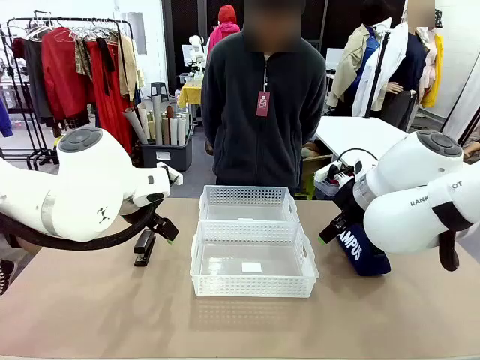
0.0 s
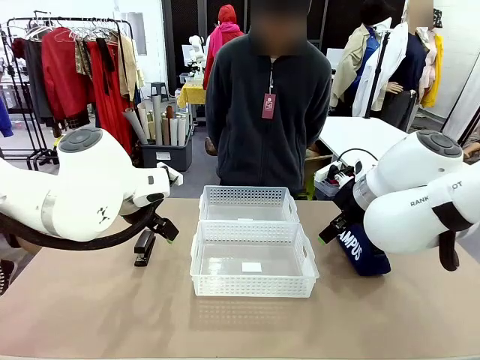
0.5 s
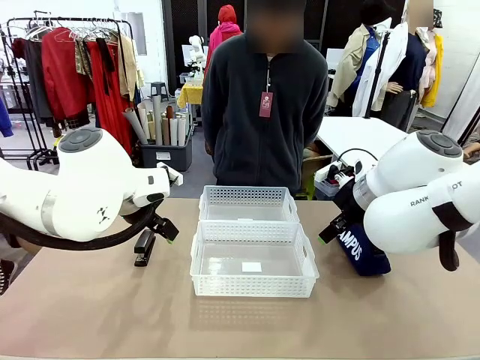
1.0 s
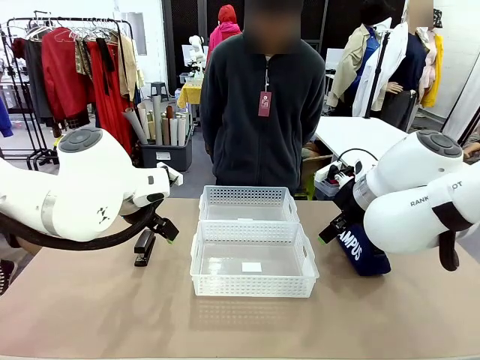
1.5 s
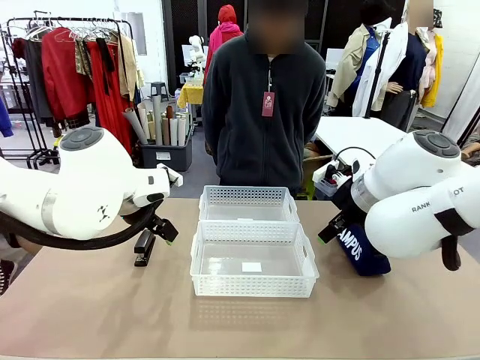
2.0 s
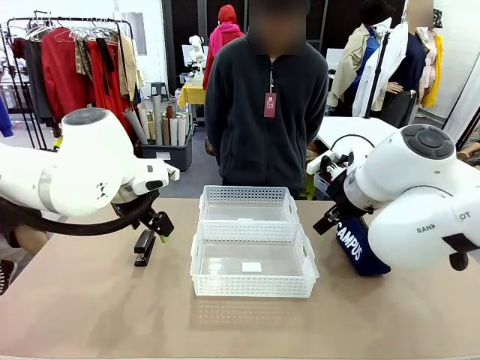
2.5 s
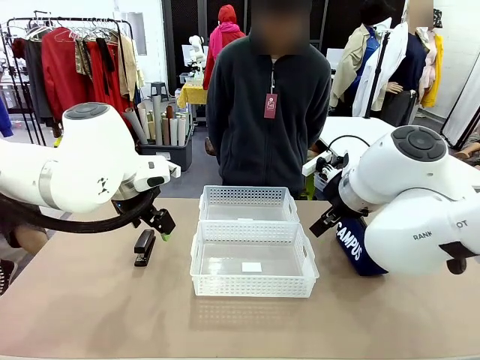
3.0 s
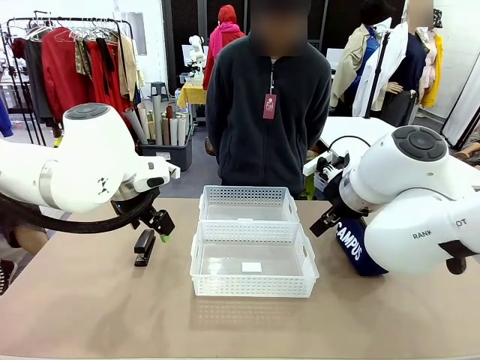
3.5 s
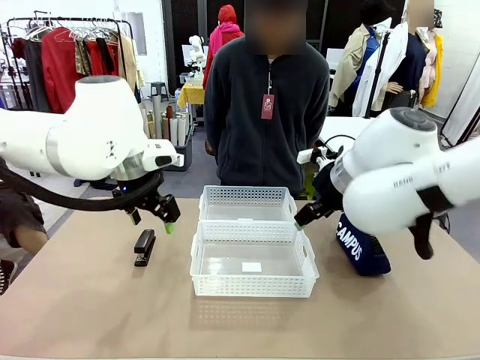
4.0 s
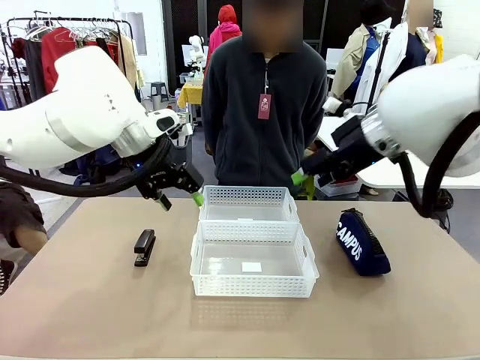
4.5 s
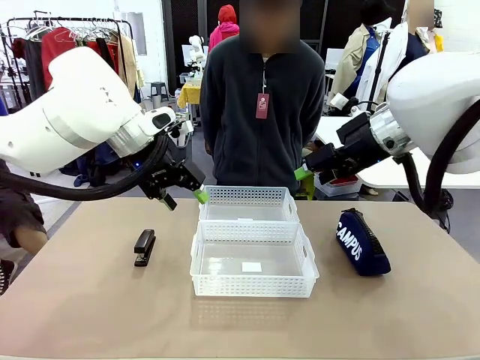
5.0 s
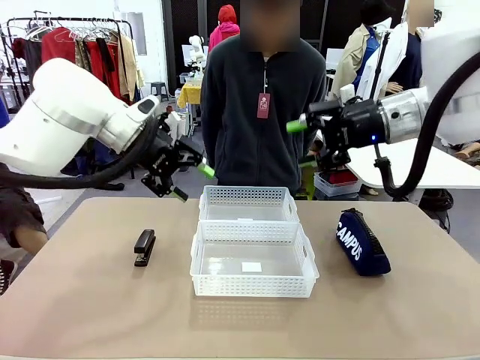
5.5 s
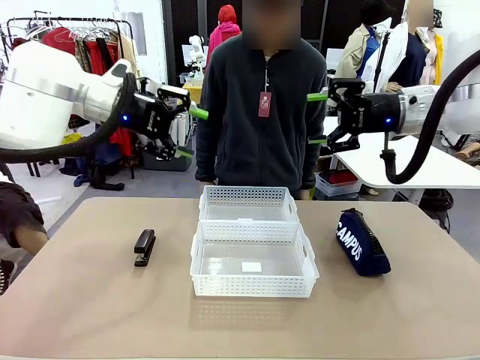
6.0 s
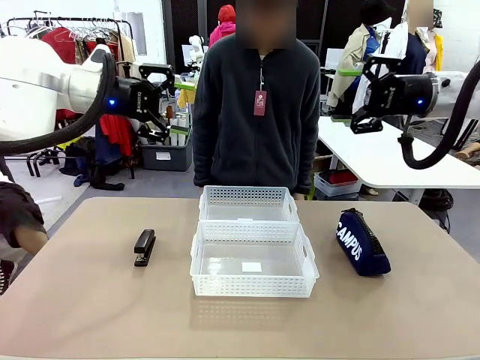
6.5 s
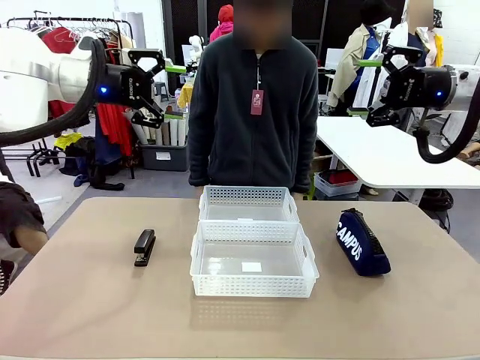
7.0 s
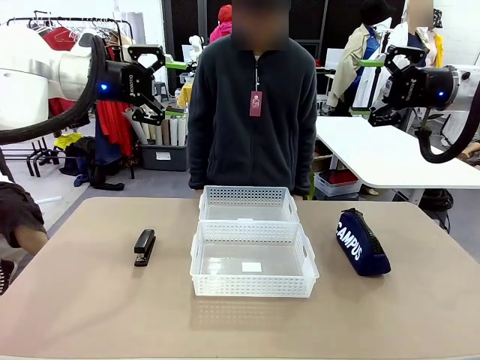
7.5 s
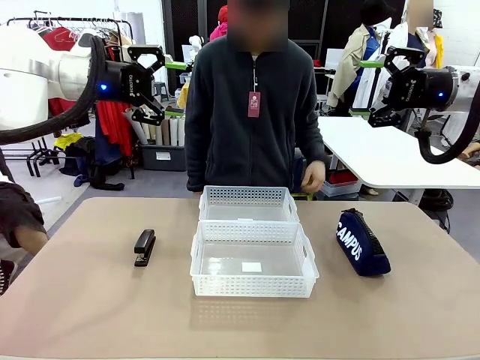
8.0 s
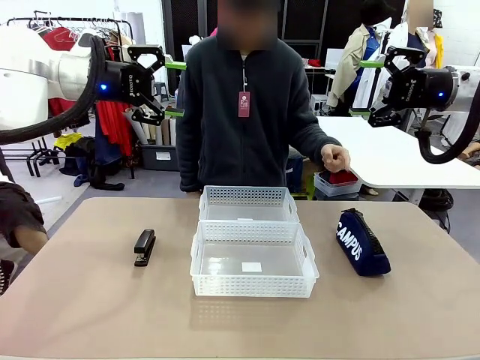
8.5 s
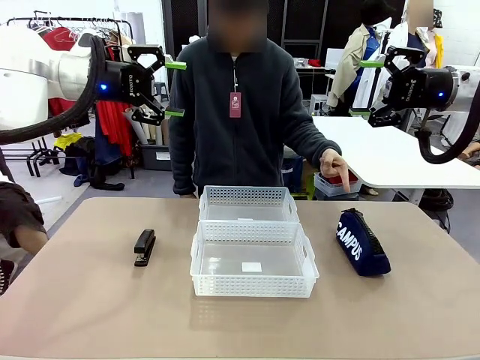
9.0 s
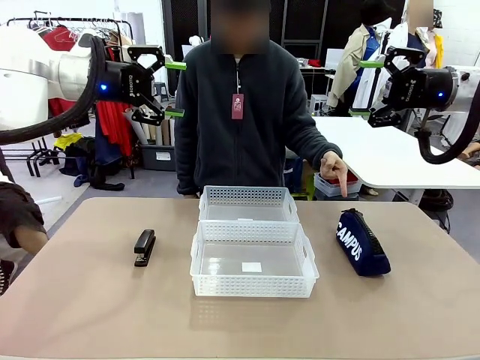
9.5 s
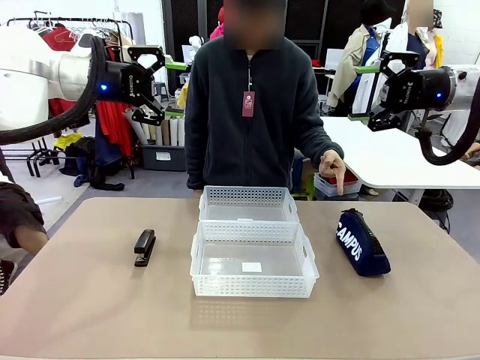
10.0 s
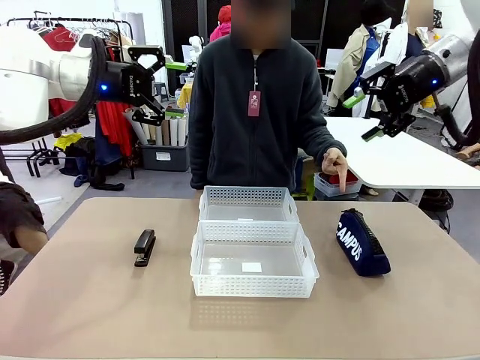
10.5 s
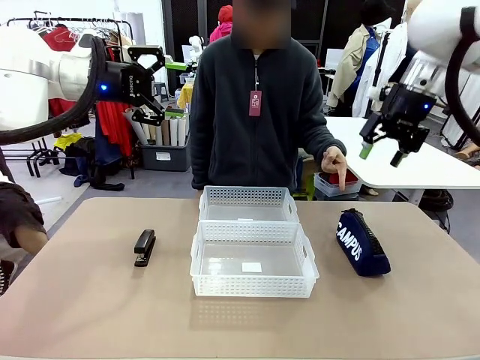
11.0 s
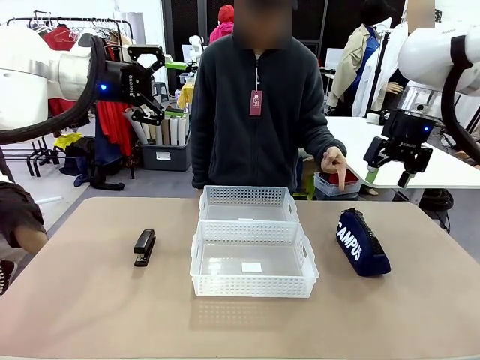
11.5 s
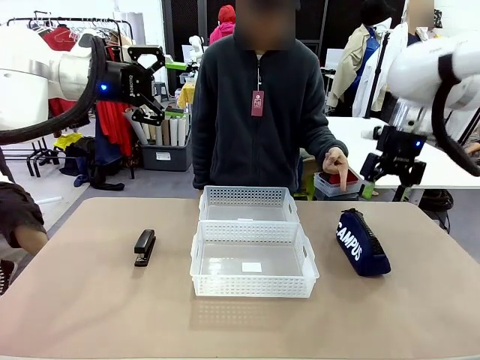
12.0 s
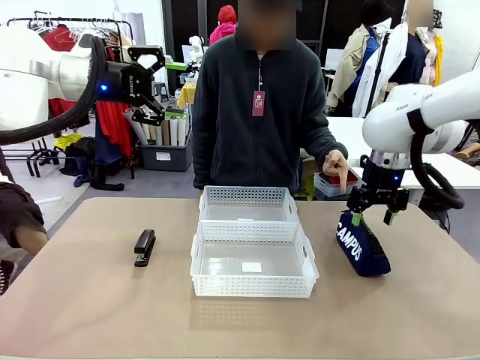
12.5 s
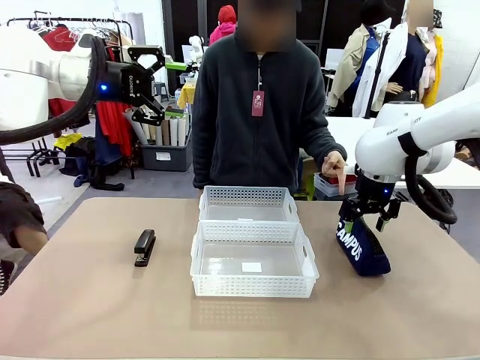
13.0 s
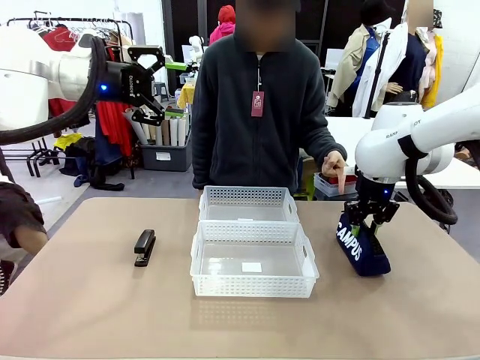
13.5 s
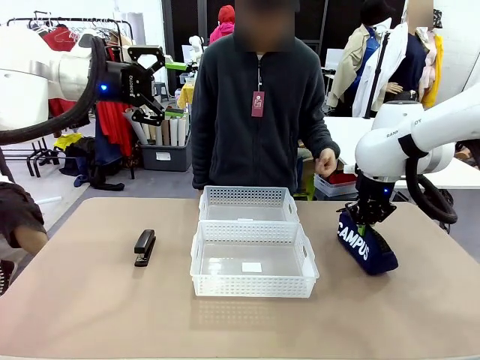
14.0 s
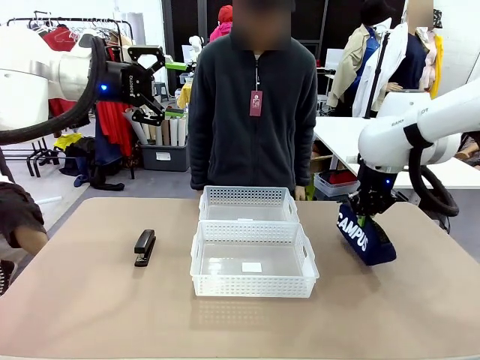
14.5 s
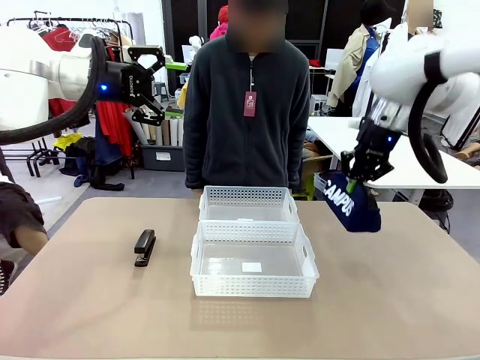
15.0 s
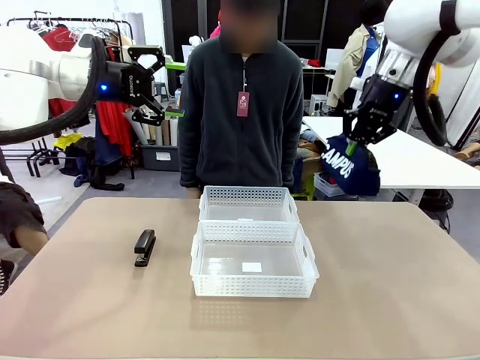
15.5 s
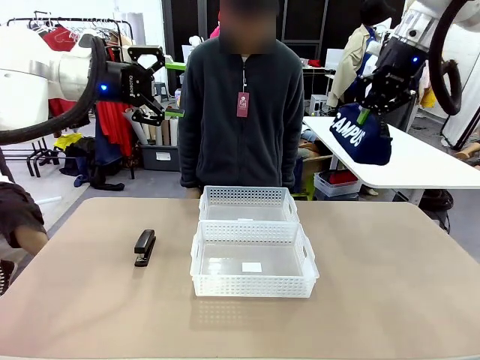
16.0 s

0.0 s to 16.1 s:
Task: Distribute items into two baskets.
Robot: Pick up the Pencil pouch that the person points to.
Person: Points to the pencil case. Points between the two organizing baskets and instructs the robot to move the pencil case.

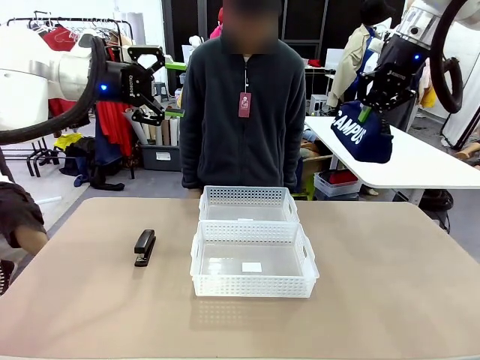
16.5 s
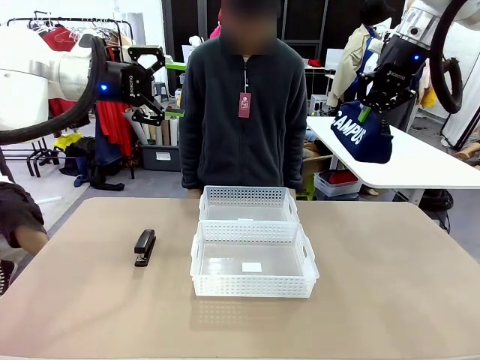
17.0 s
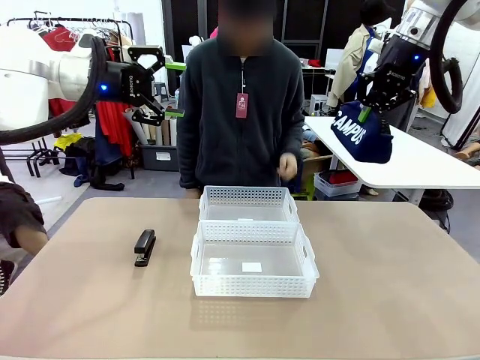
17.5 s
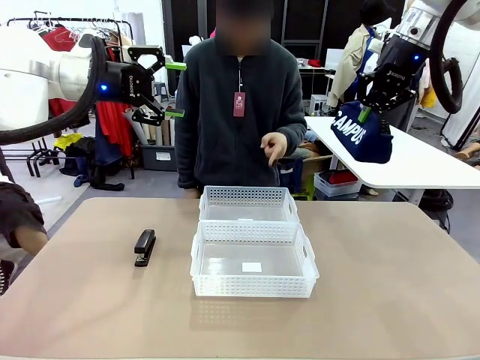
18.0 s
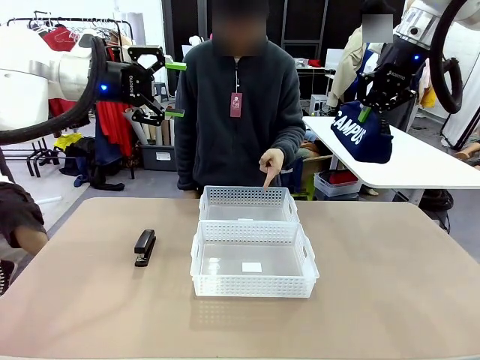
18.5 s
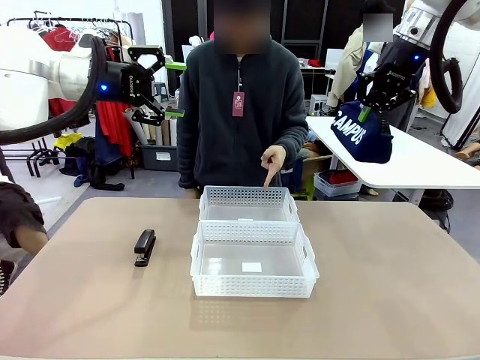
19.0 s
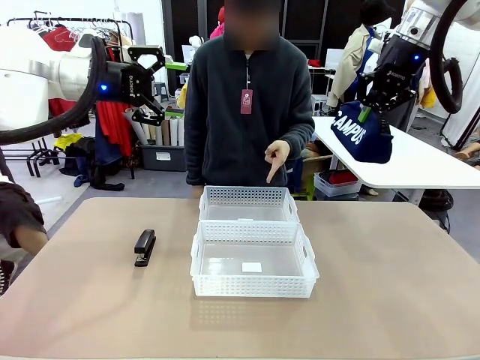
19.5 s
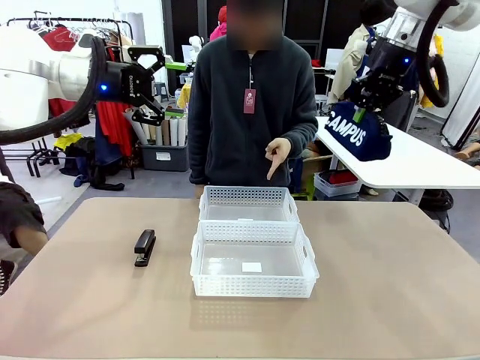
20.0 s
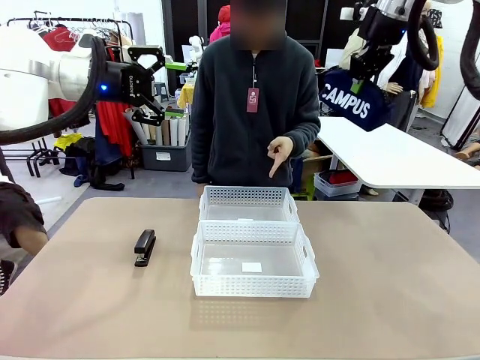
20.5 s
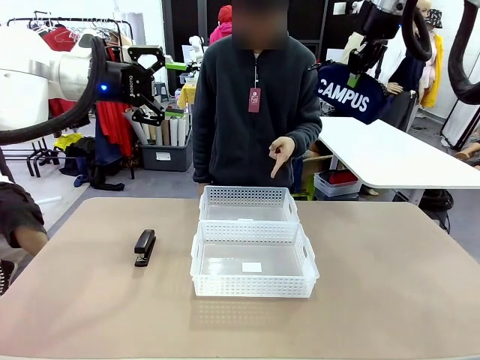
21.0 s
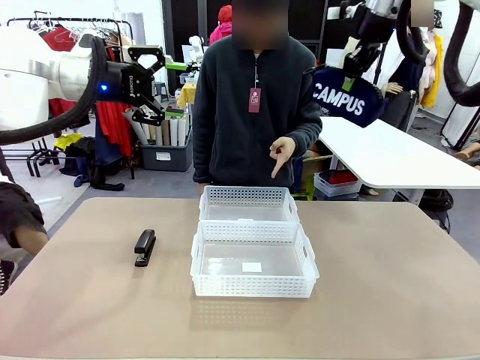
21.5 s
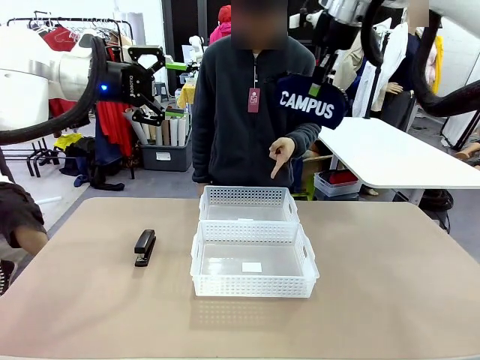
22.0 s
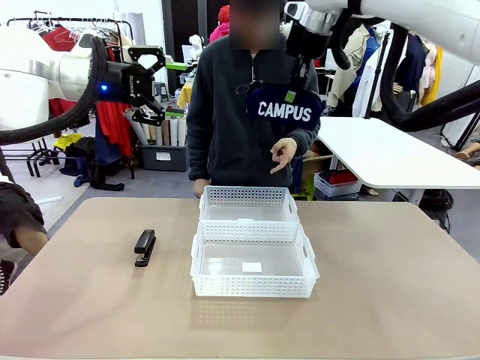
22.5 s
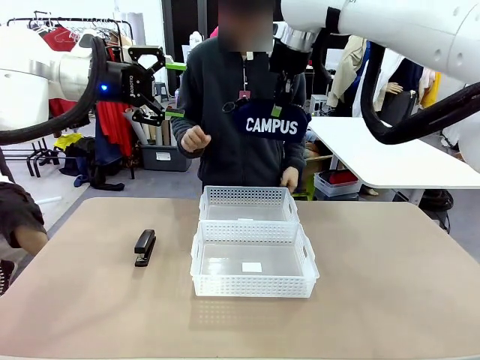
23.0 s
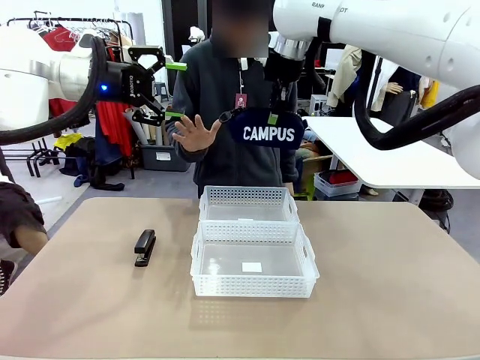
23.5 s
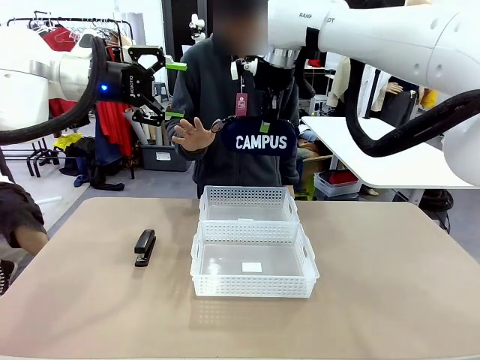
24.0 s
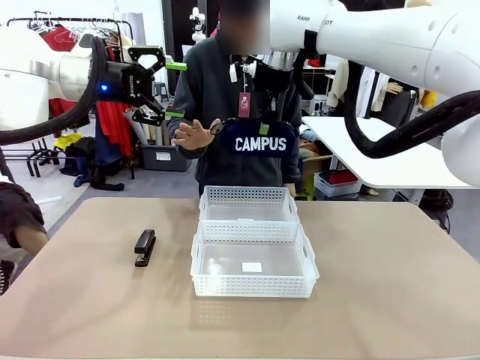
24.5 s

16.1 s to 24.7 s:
Robot: Move the picked Pencil pouch towards the Organizing basket indicated by the person, stopping as directed.
Person: Sends a stop gesture before the robot places the pencil case into the basket.
